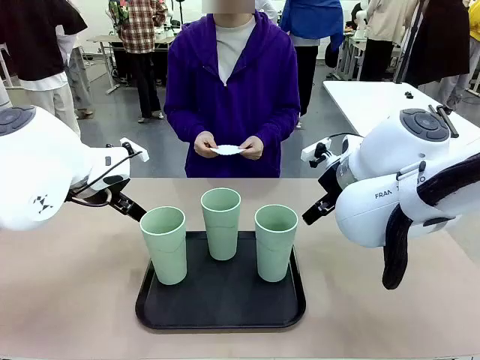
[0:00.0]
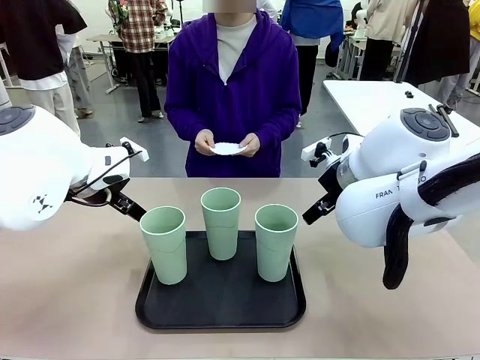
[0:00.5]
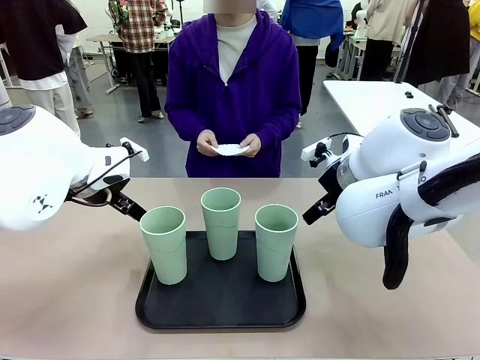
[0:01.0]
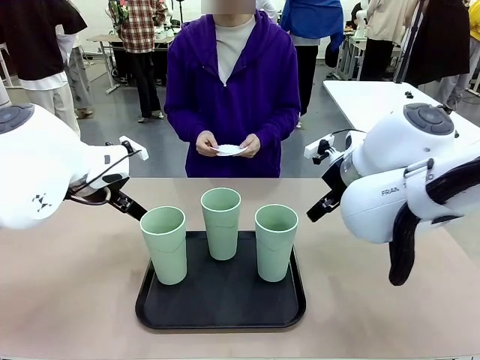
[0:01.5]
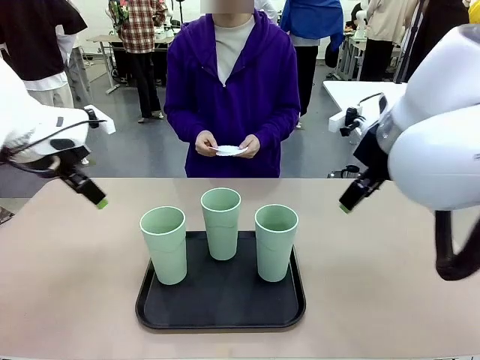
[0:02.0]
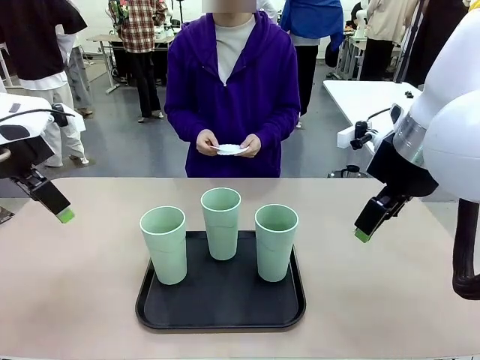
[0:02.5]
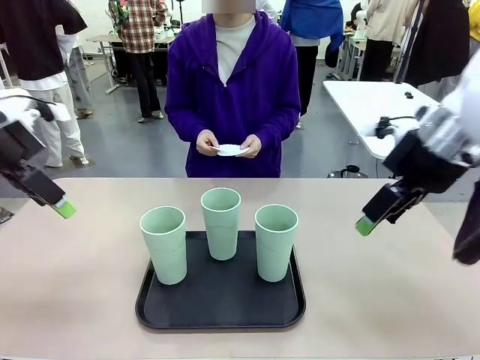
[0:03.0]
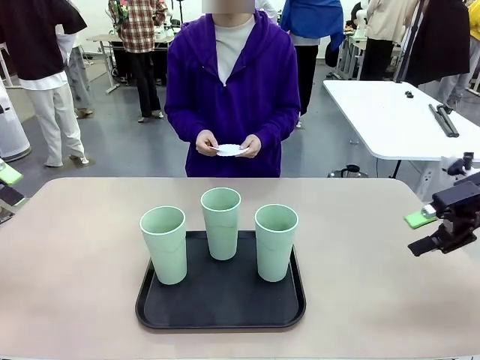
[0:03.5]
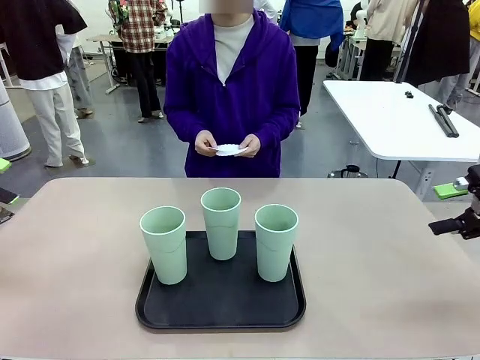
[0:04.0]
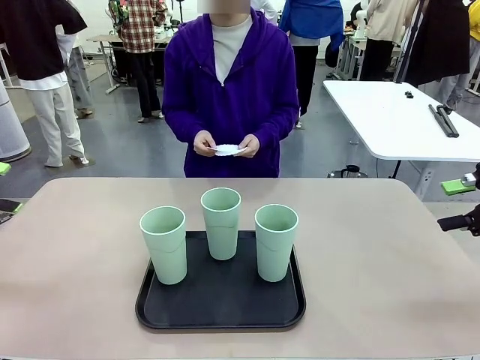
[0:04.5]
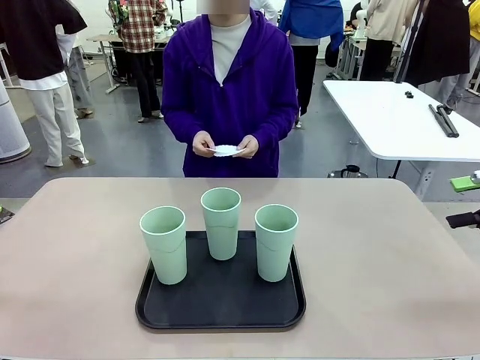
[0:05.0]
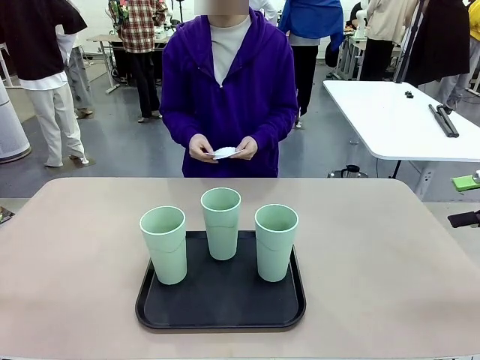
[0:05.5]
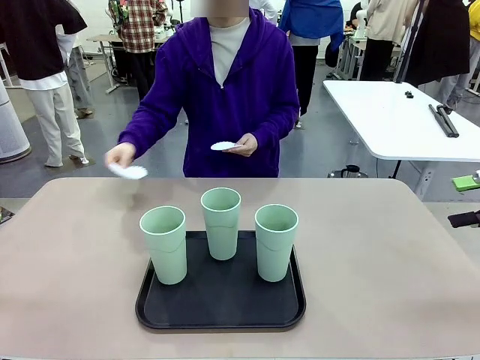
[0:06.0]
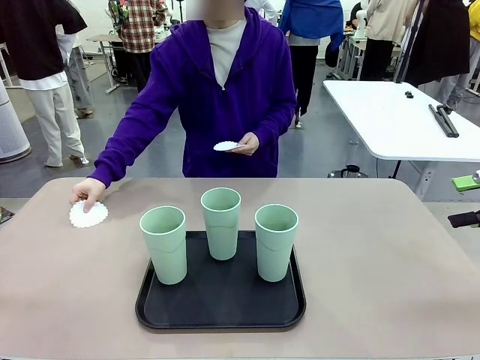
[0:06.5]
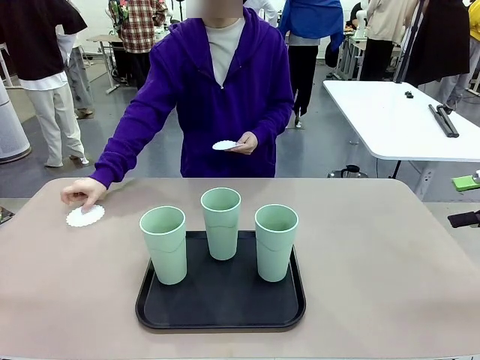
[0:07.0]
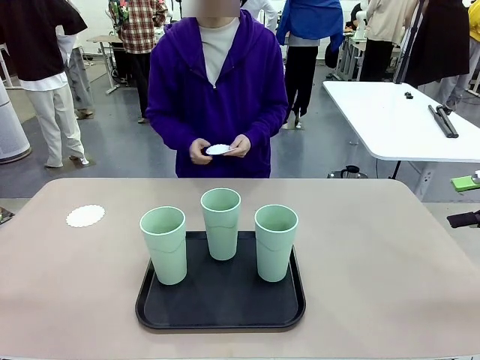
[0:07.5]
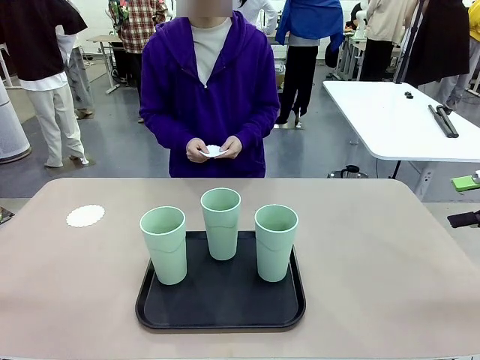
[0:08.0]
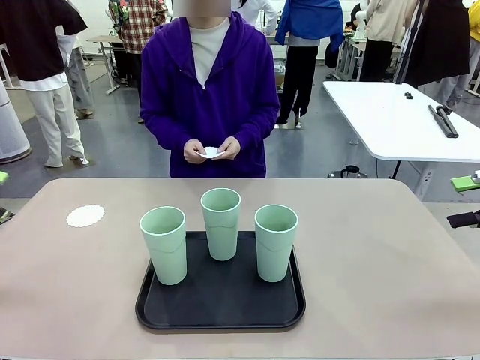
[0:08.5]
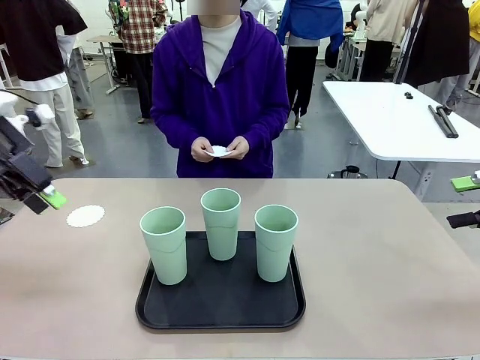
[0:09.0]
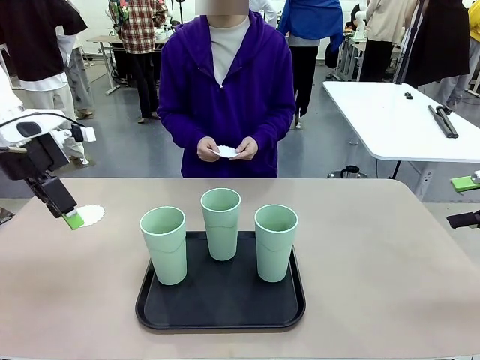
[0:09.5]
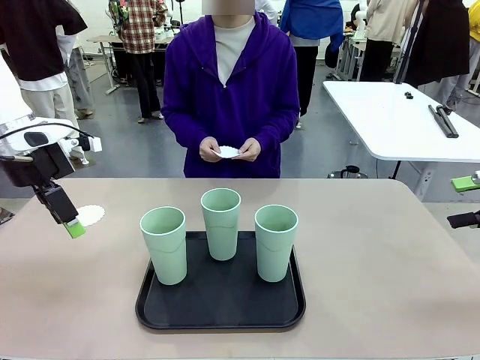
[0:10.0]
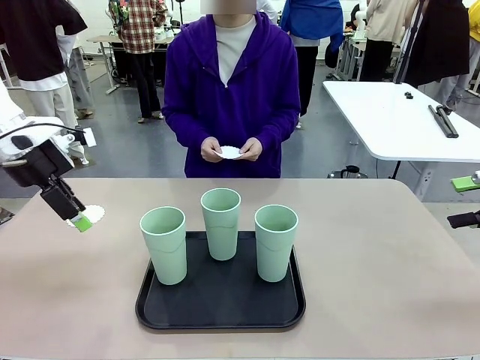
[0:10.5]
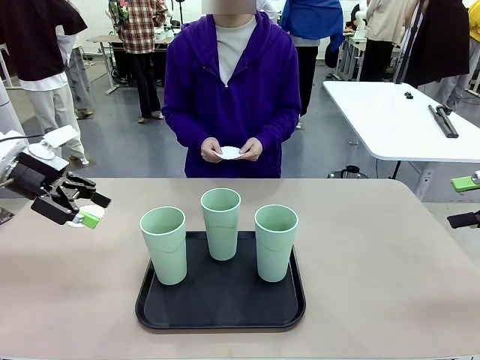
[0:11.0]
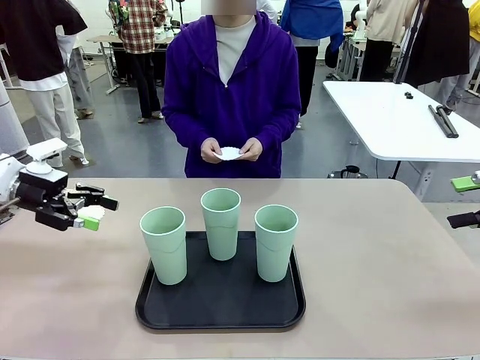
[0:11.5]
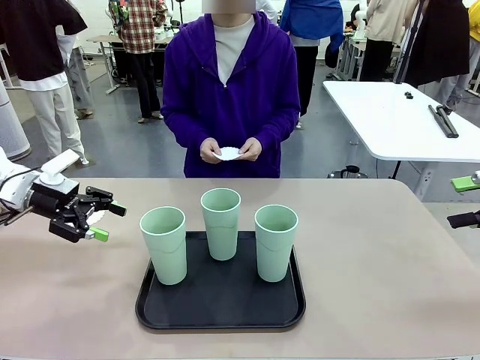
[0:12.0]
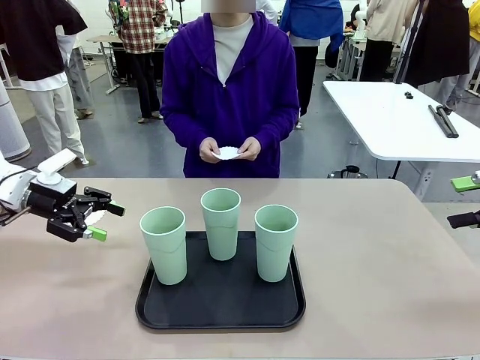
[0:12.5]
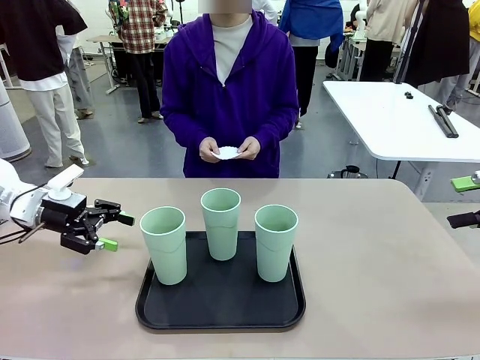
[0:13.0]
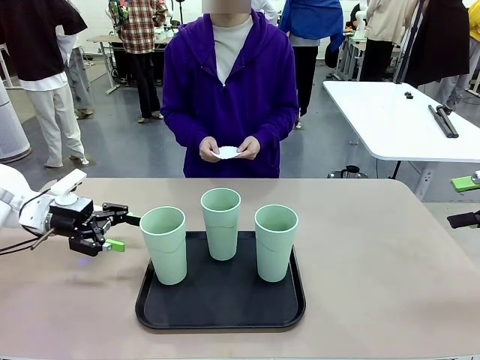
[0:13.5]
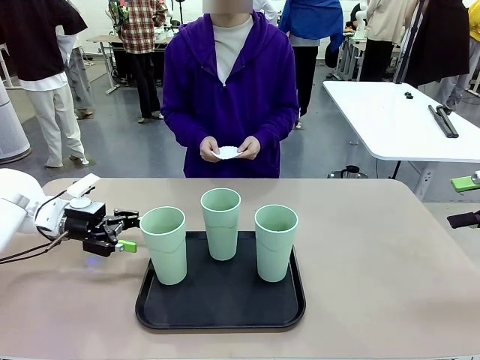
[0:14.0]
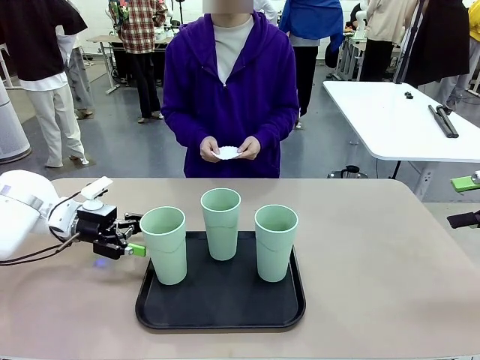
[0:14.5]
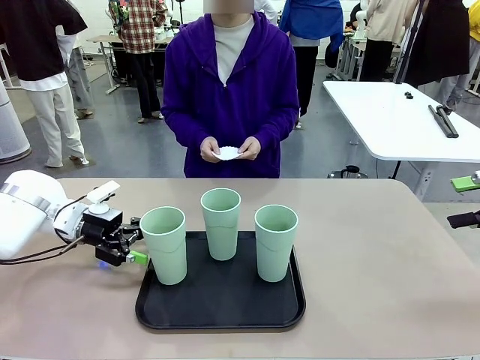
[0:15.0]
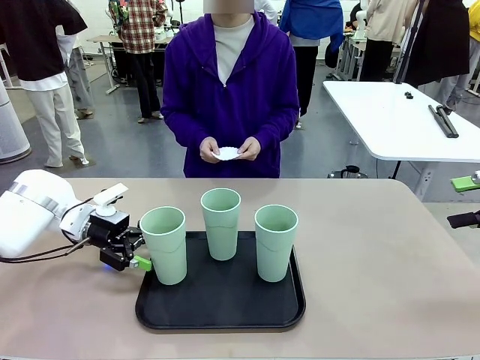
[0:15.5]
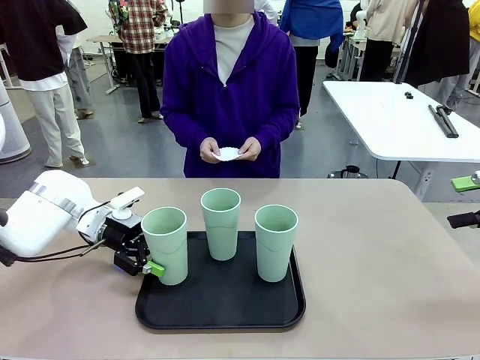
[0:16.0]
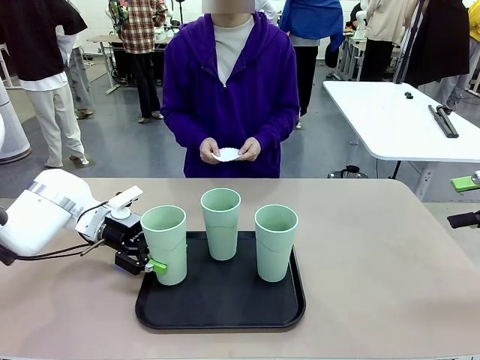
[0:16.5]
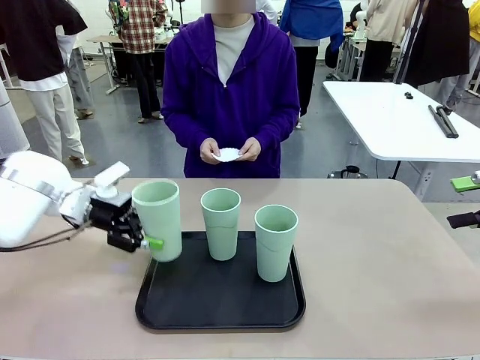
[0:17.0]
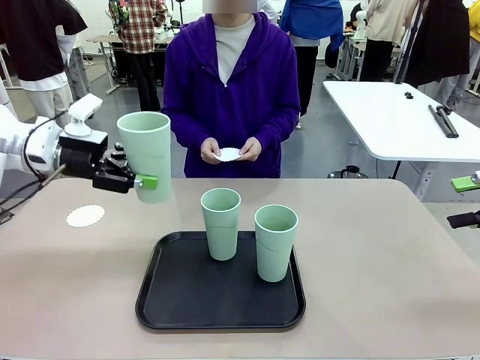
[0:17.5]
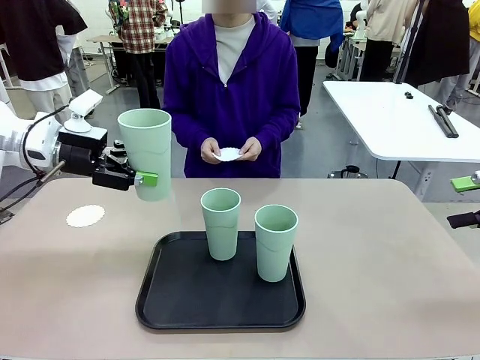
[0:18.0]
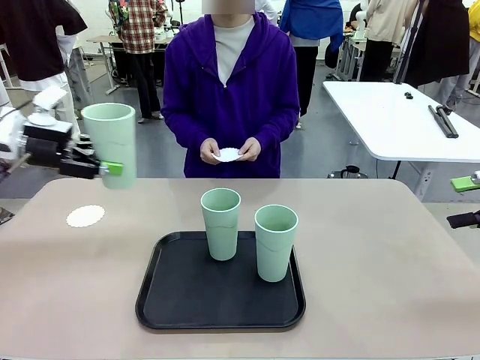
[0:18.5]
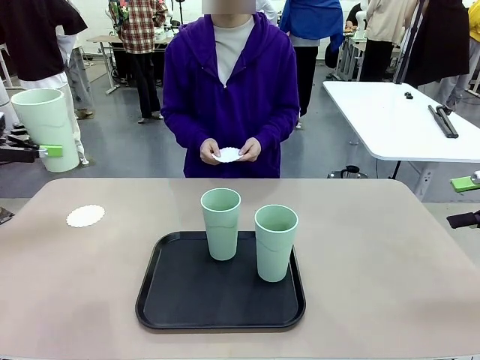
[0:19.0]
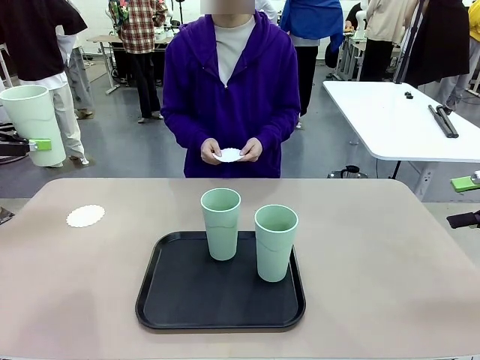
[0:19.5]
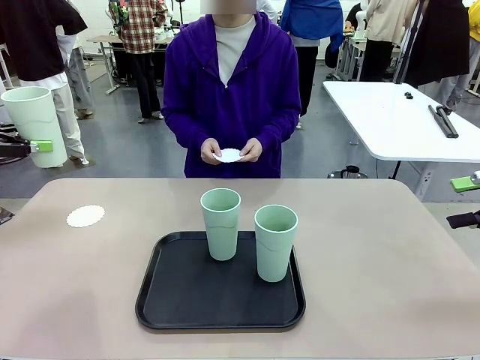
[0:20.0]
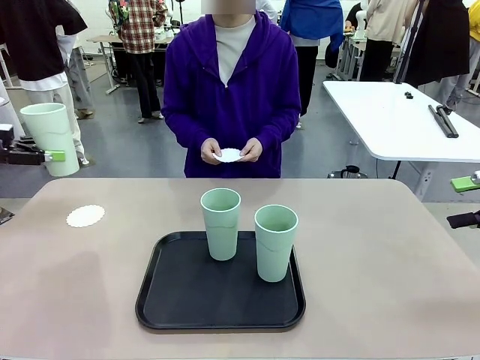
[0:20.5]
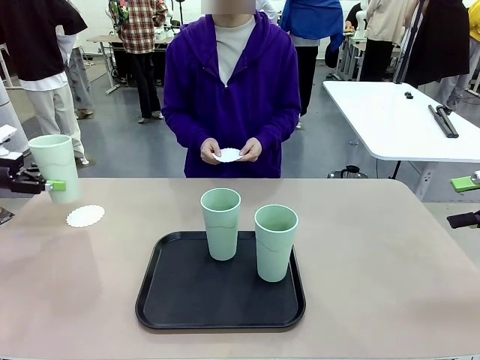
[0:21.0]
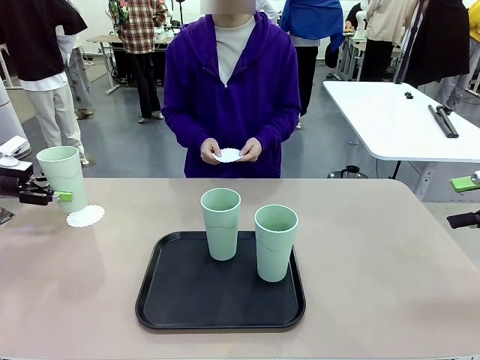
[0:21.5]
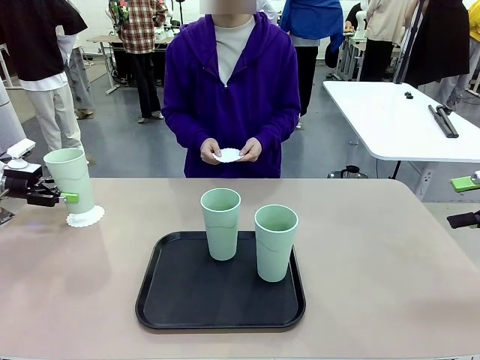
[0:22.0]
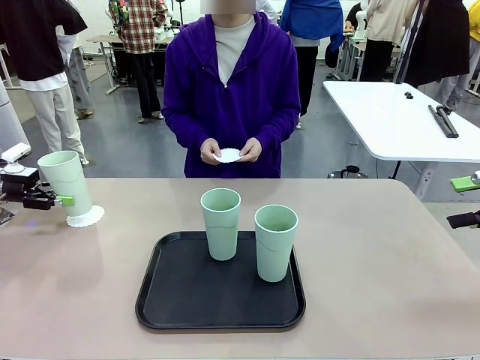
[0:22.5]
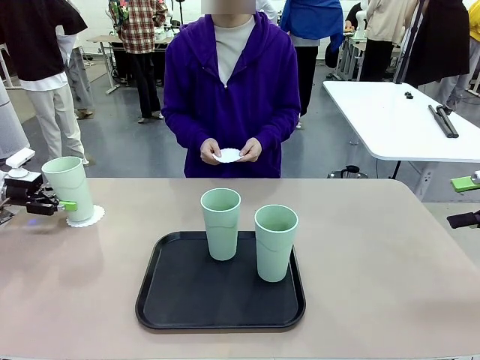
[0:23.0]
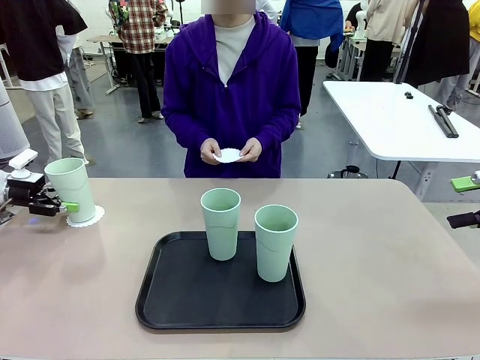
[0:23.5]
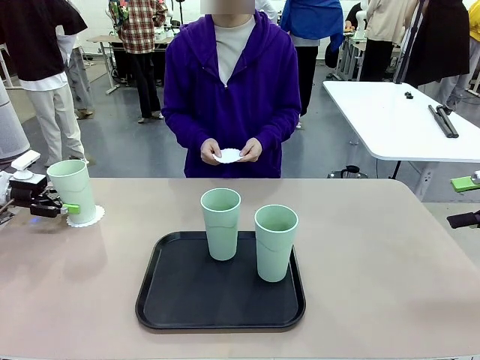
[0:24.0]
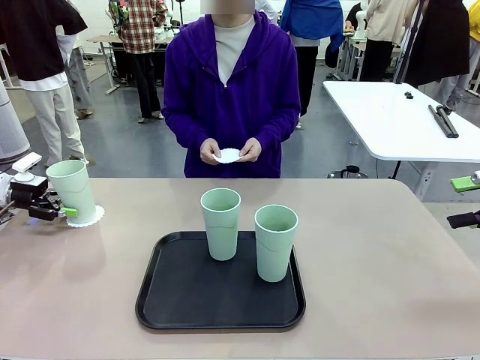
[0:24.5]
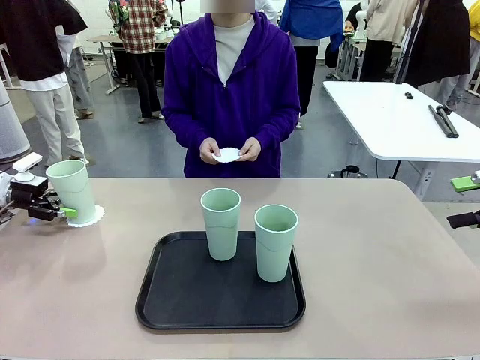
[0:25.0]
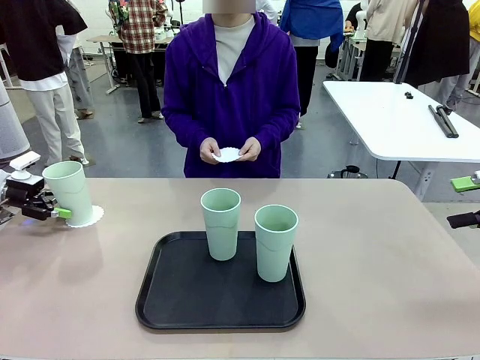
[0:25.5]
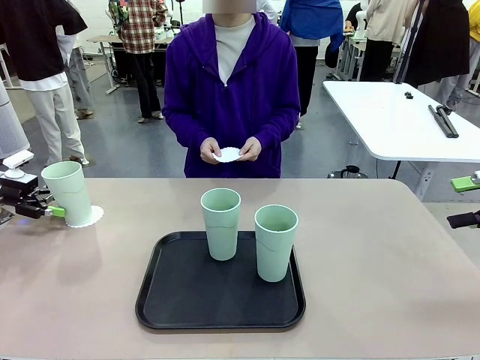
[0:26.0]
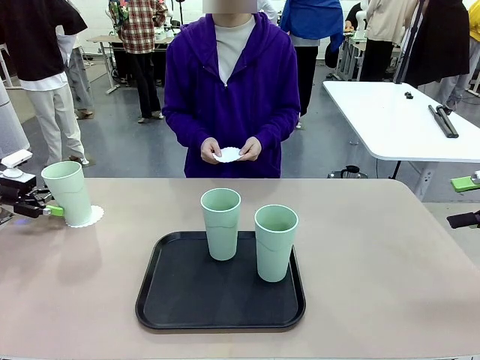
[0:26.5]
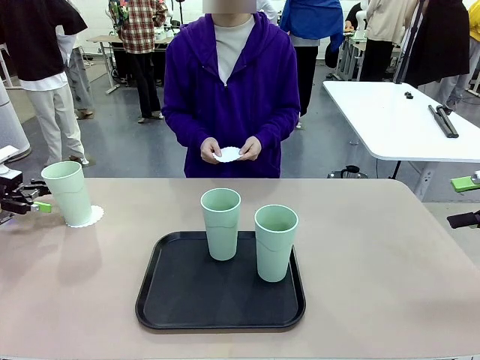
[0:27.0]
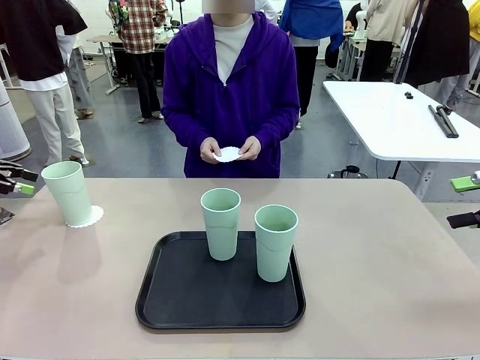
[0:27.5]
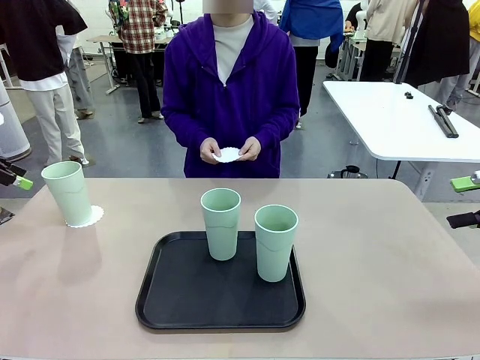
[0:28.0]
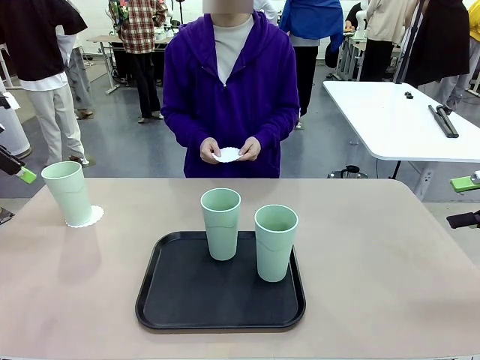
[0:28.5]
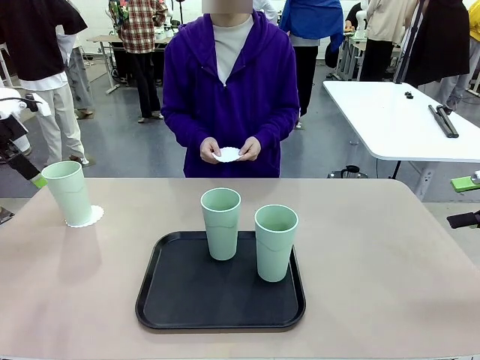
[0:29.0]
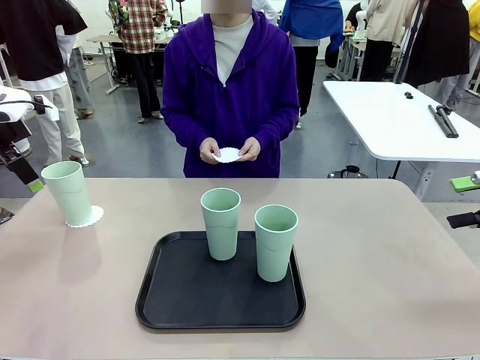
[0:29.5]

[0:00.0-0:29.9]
Task: Place coasters on the table and set cups on them.
Robot: Pick up one Reusable plastic cup and place it on a coaster set by the human.
Person: Place one coaster in any one of the three lower areas of the robot table (left, center, or right). Place one coaster in one of the two areas excluding the previously selected area.
